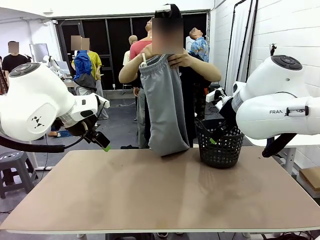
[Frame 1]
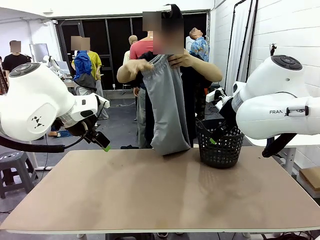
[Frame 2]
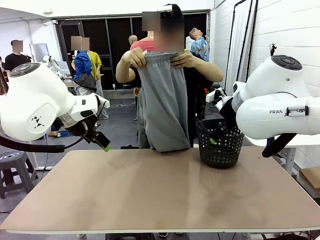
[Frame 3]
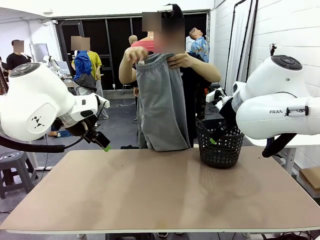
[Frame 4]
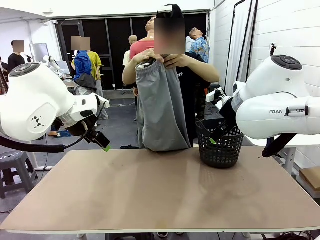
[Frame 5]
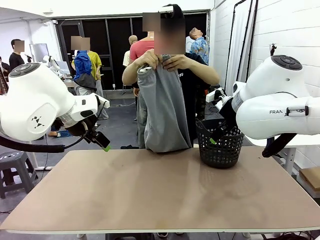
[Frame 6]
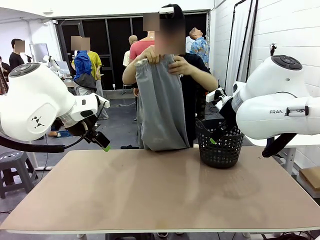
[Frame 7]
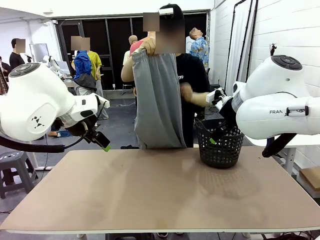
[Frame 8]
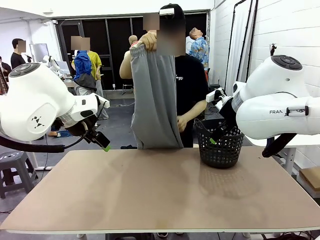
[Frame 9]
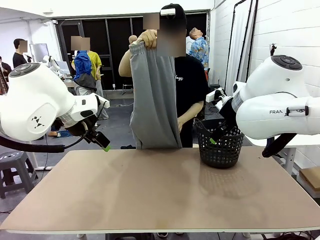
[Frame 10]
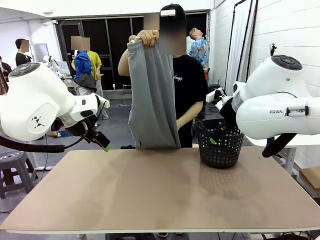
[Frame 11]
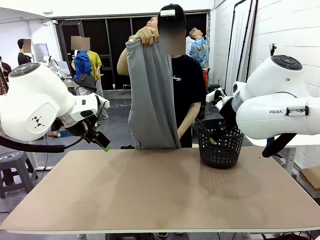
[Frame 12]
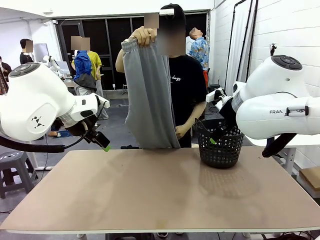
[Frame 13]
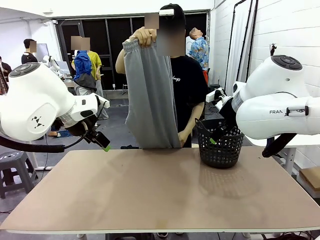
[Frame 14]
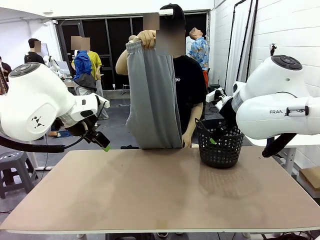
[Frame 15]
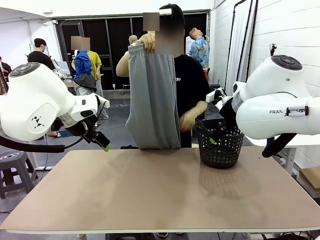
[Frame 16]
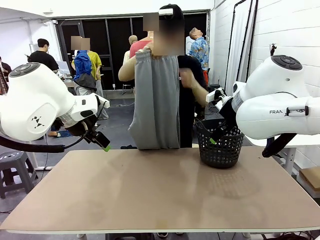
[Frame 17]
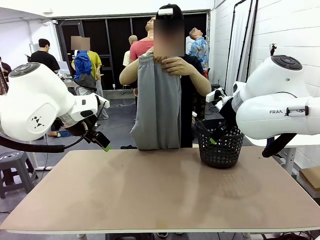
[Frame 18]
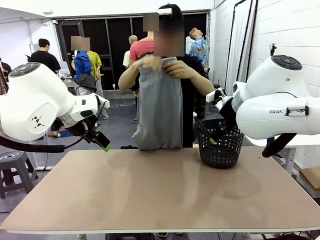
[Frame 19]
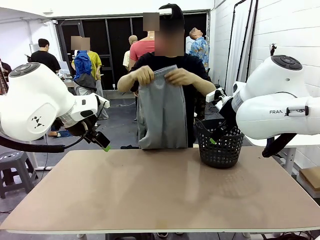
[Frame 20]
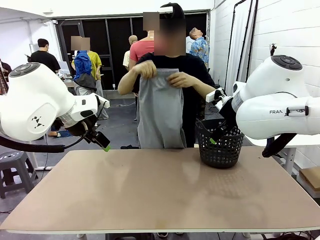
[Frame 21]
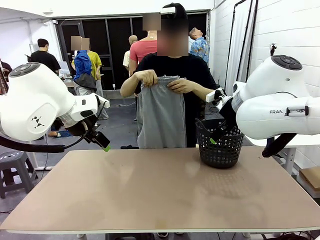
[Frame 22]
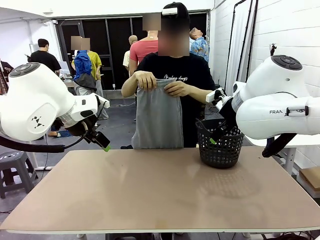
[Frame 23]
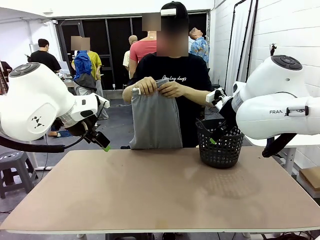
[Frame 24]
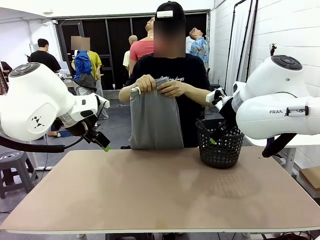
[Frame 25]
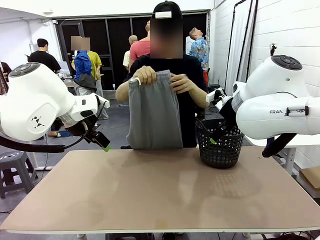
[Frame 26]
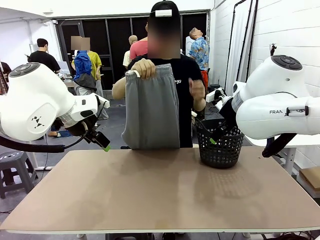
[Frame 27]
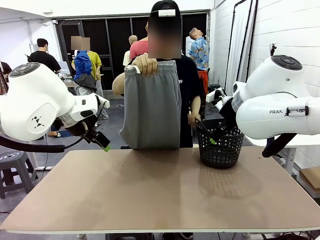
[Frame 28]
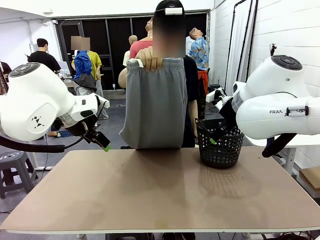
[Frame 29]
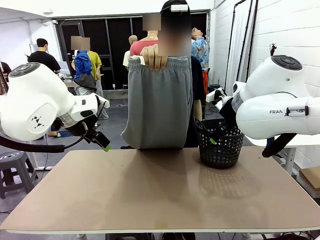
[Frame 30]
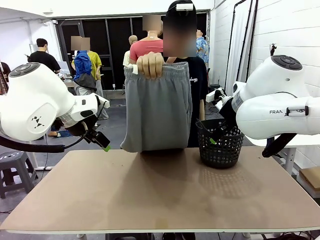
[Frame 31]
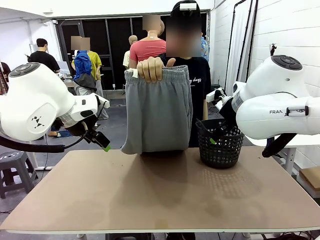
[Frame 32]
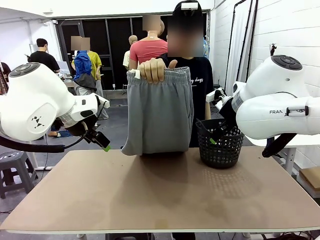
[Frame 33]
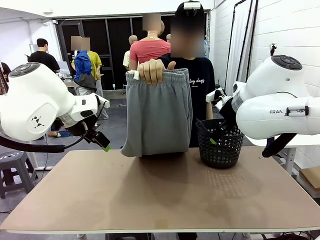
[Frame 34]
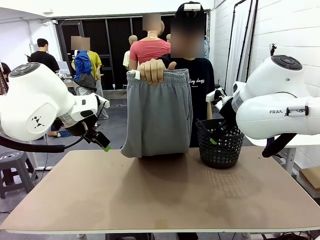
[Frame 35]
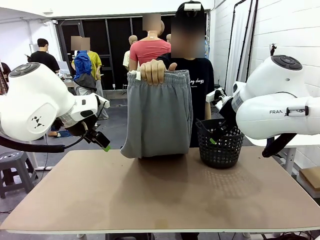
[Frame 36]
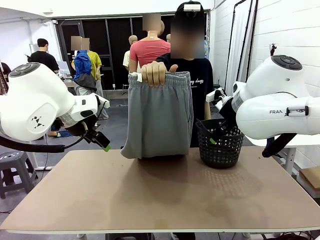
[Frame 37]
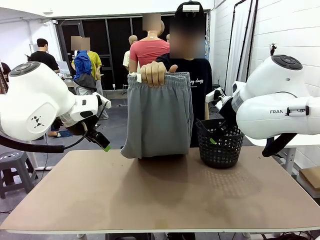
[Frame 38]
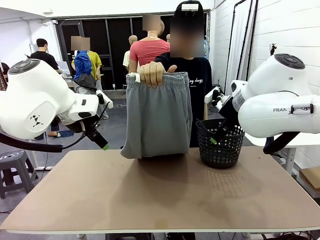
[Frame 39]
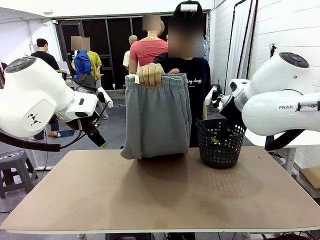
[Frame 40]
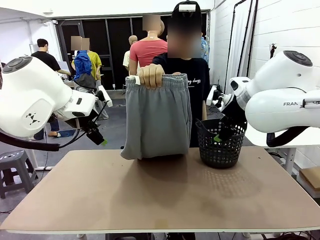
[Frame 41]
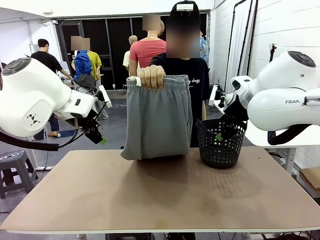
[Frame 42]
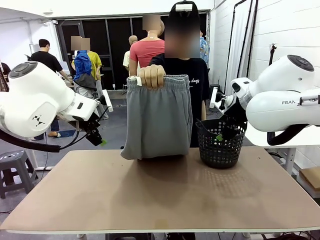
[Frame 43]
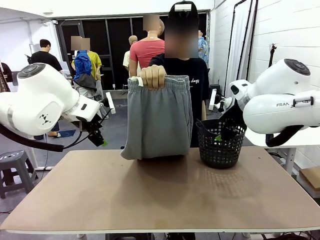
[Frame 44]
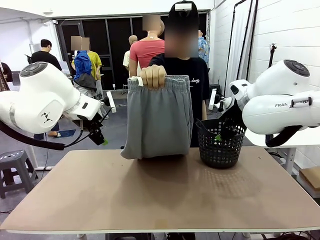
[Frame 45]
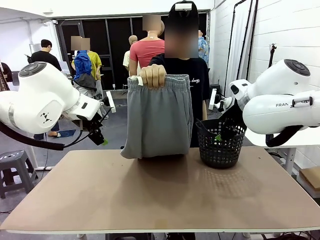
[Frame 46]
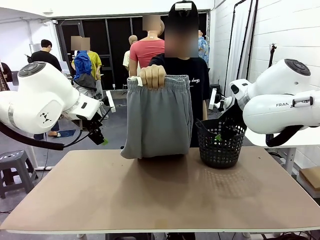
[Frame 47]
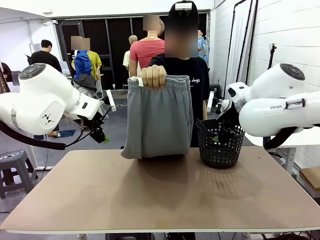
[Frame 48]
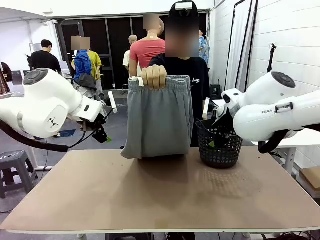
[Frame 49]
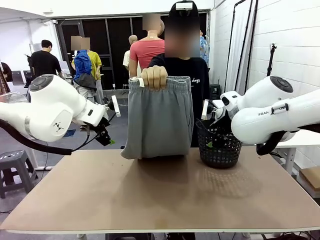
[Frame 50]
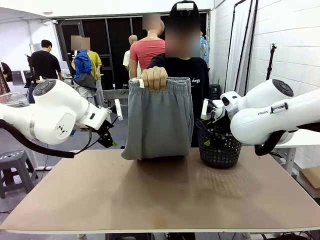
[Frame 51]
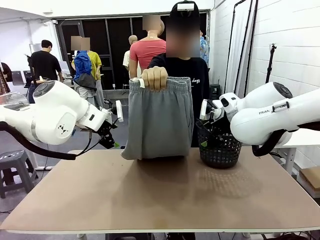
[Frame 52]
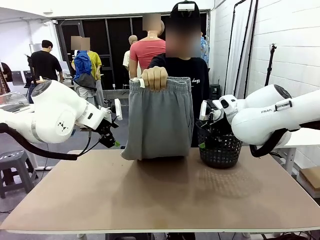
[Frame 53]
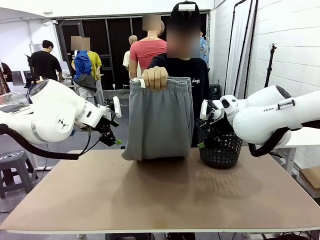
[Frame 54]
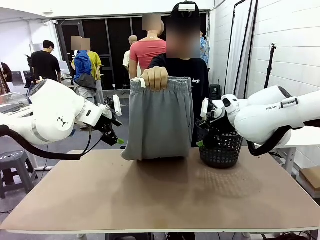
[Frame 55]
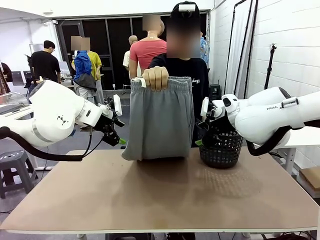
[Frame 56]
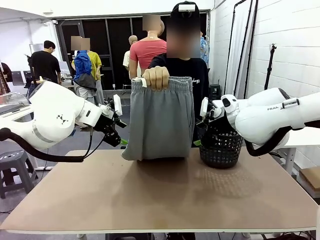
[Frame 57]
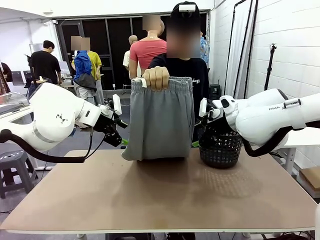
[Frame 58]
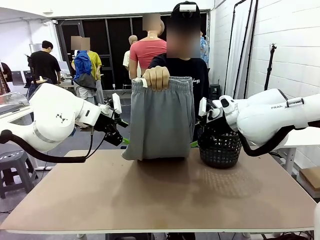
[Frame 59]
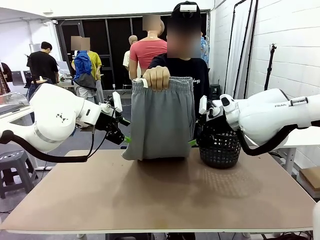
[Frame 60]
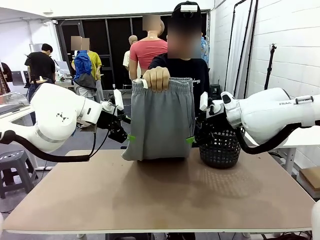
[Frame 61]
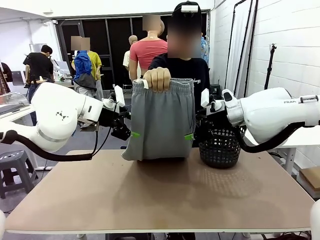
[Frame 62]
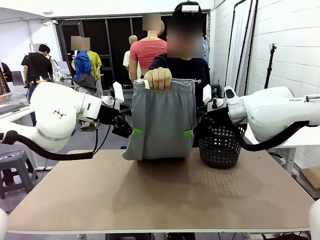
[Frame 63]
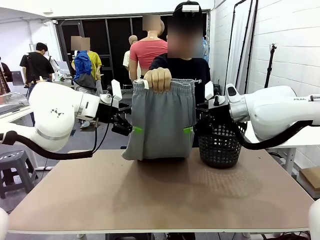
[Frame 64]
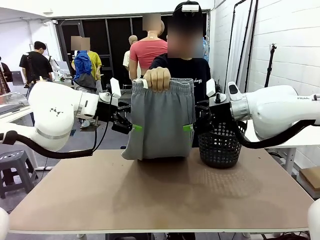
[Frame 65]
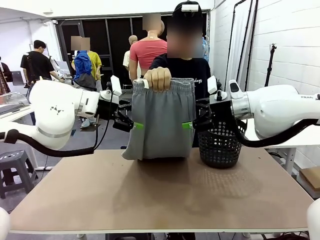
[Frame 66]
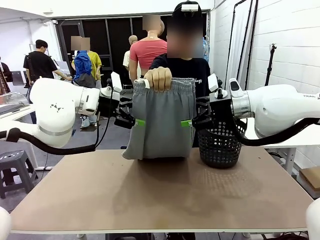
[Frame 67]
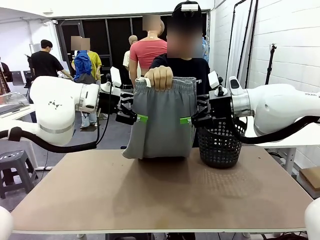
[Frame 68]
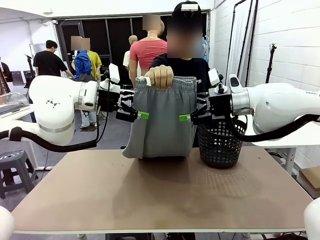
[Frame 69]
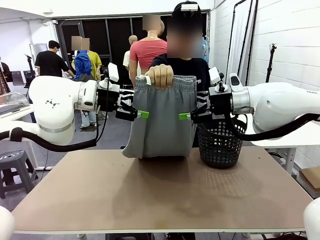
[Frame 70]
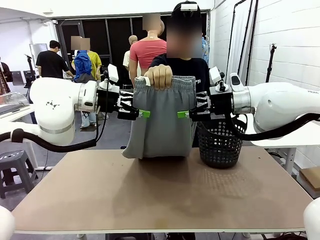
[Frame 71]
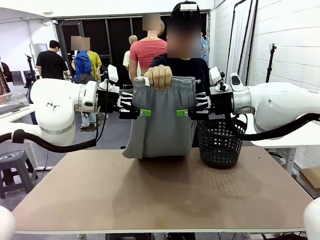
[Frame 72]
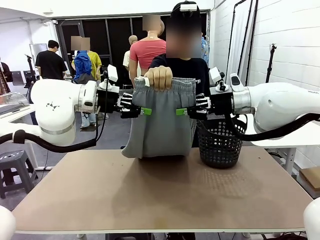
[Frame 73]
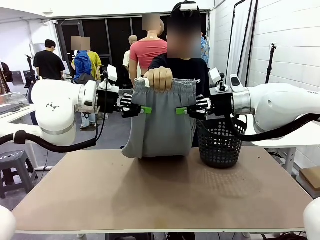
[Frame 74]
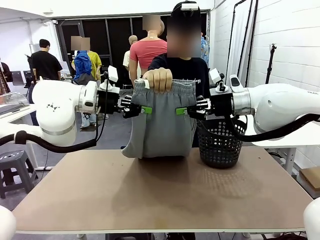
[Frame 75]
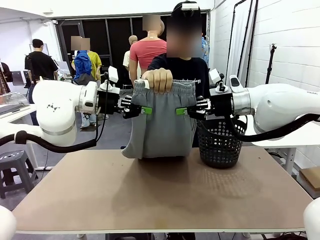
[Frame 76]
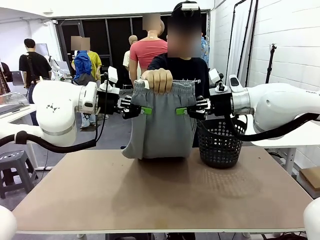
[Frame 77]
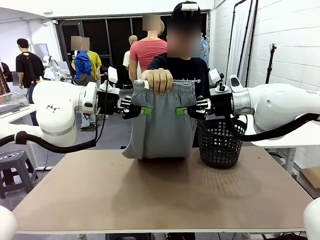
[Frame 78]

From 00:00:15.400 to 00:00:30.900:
Task: Fold the training pants.
Robot: Grab both ends of the Training pants handed by a person.
